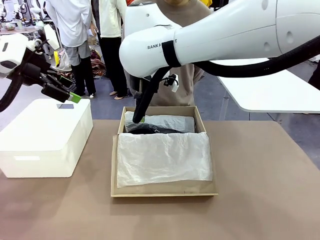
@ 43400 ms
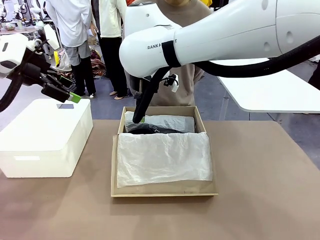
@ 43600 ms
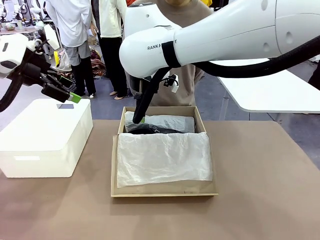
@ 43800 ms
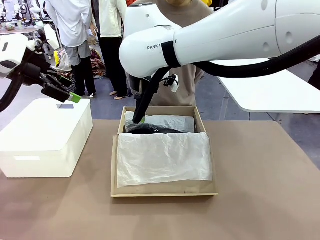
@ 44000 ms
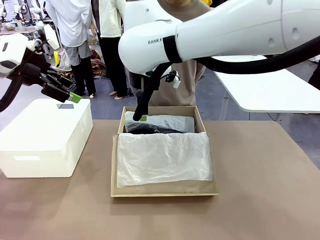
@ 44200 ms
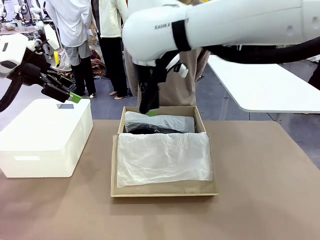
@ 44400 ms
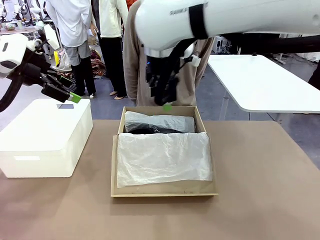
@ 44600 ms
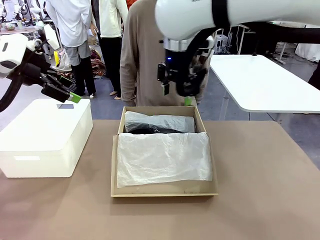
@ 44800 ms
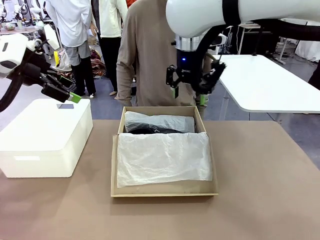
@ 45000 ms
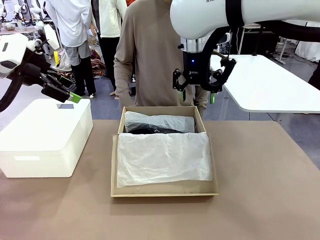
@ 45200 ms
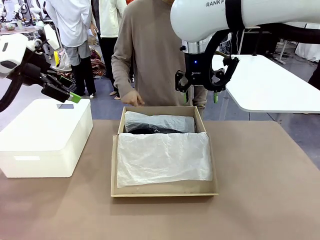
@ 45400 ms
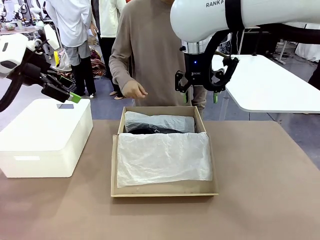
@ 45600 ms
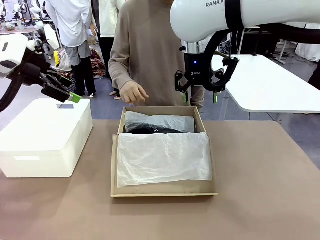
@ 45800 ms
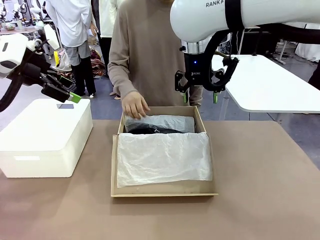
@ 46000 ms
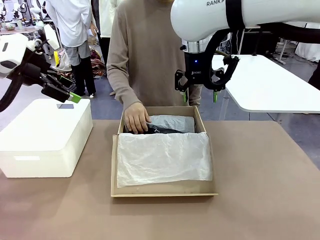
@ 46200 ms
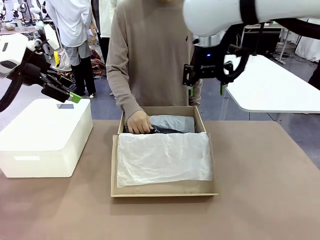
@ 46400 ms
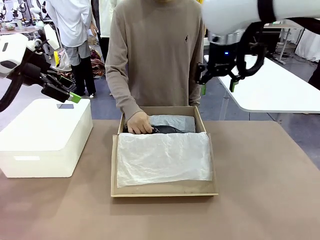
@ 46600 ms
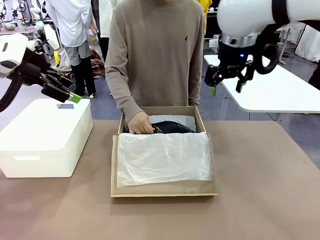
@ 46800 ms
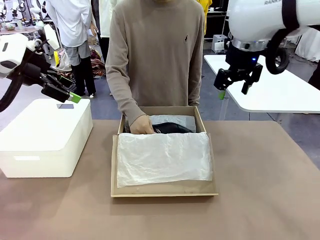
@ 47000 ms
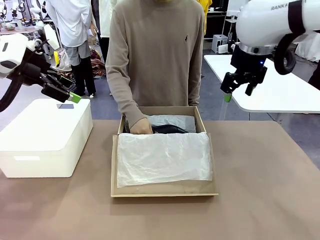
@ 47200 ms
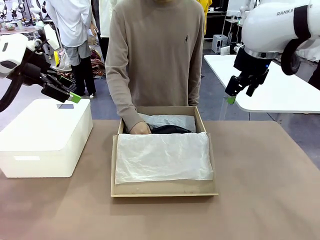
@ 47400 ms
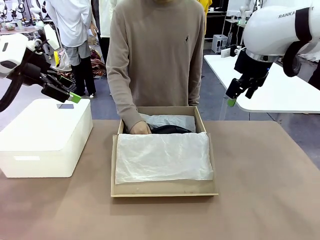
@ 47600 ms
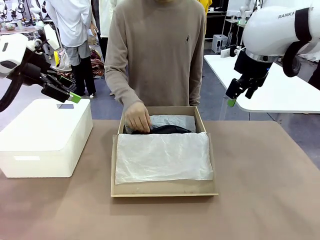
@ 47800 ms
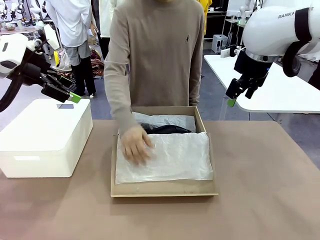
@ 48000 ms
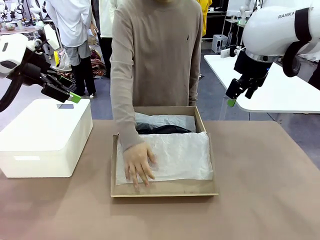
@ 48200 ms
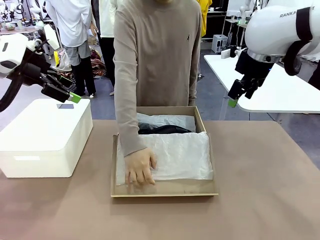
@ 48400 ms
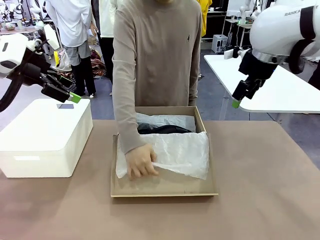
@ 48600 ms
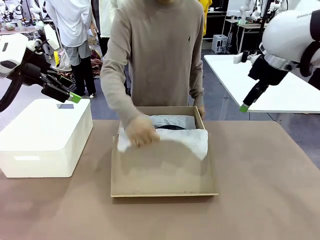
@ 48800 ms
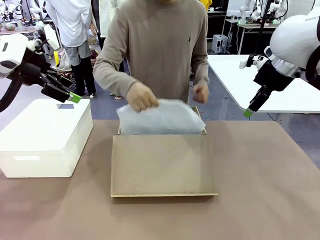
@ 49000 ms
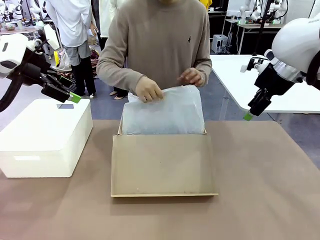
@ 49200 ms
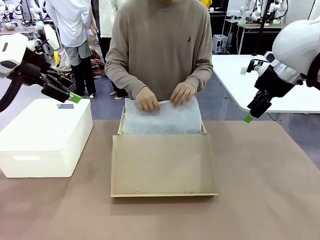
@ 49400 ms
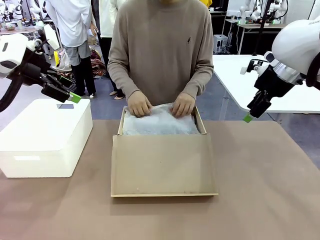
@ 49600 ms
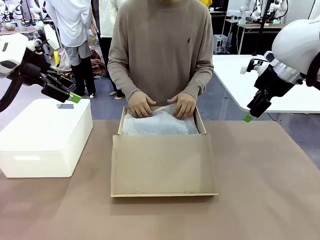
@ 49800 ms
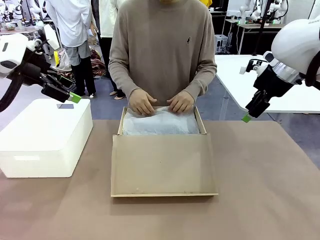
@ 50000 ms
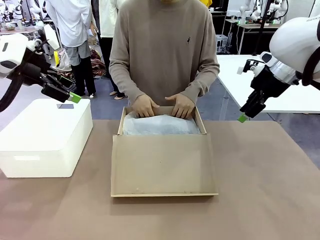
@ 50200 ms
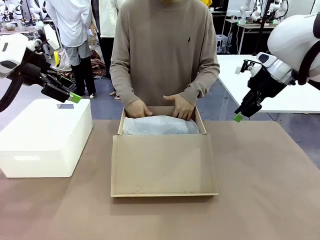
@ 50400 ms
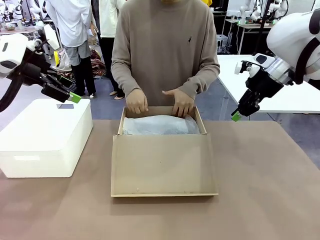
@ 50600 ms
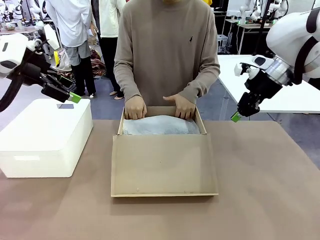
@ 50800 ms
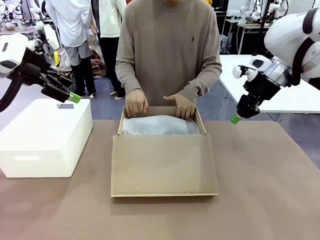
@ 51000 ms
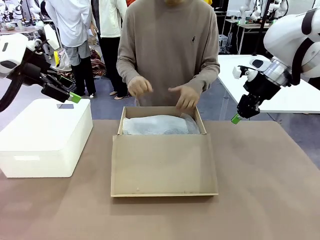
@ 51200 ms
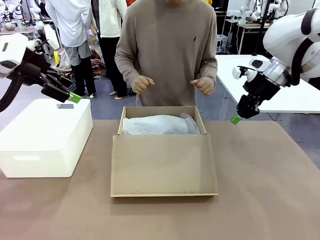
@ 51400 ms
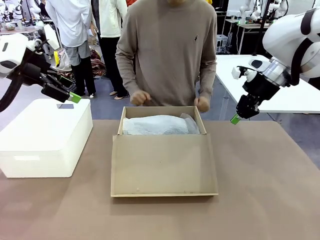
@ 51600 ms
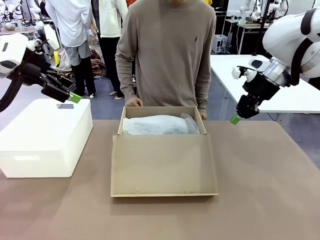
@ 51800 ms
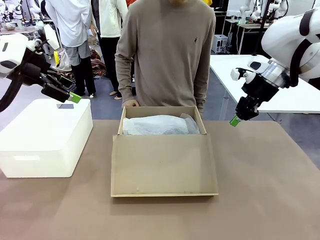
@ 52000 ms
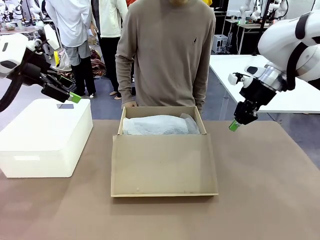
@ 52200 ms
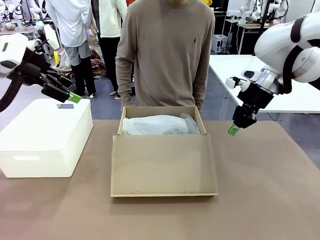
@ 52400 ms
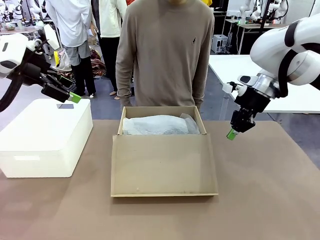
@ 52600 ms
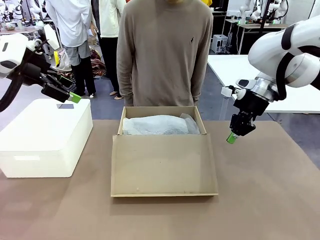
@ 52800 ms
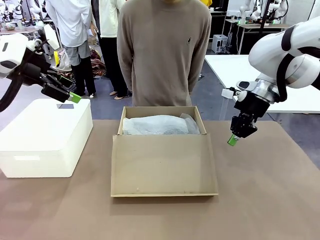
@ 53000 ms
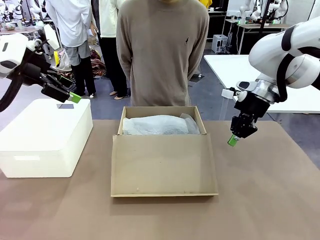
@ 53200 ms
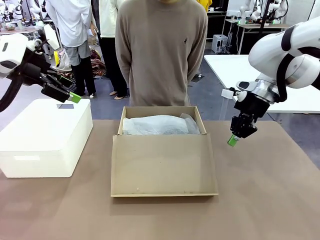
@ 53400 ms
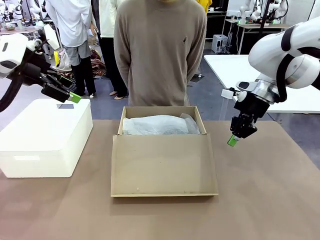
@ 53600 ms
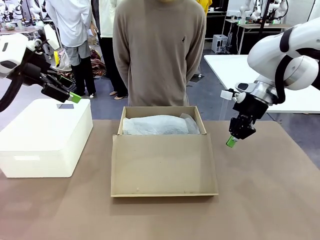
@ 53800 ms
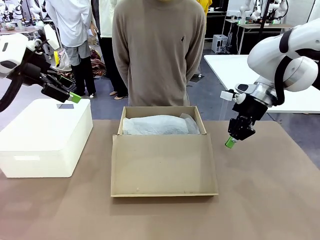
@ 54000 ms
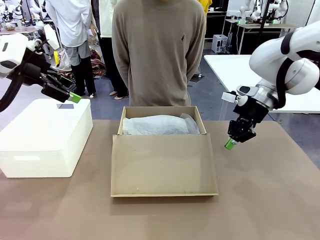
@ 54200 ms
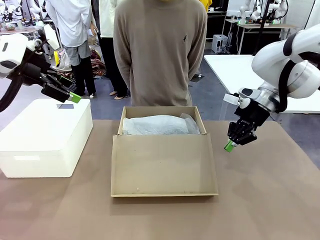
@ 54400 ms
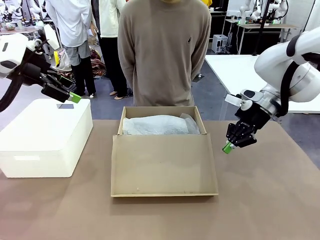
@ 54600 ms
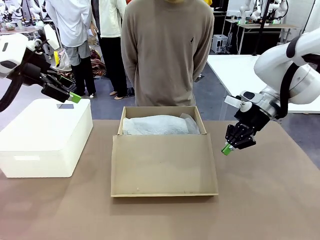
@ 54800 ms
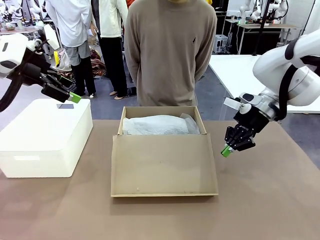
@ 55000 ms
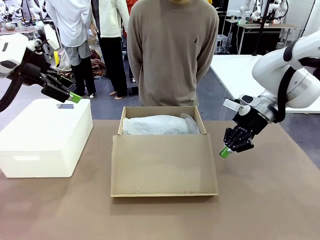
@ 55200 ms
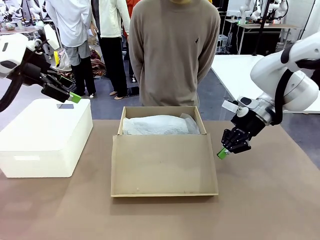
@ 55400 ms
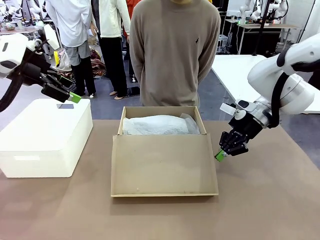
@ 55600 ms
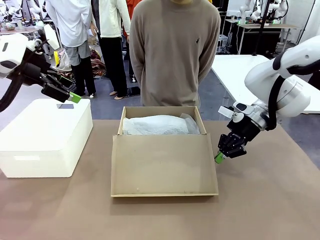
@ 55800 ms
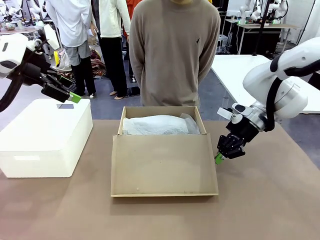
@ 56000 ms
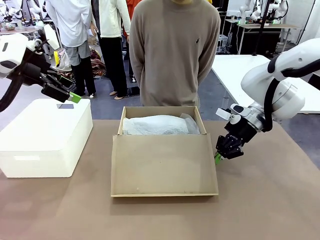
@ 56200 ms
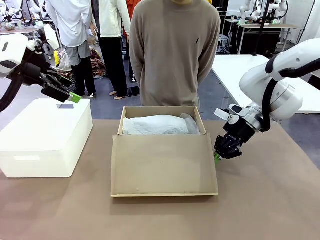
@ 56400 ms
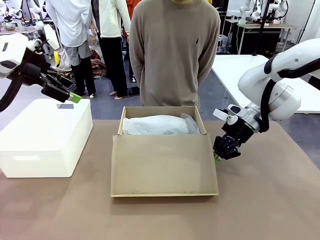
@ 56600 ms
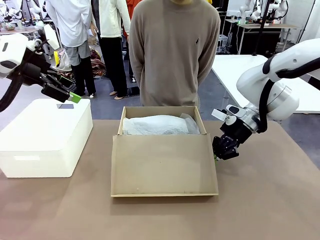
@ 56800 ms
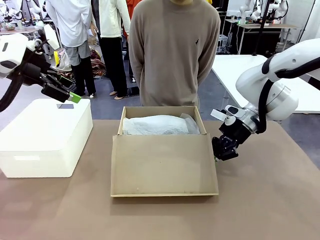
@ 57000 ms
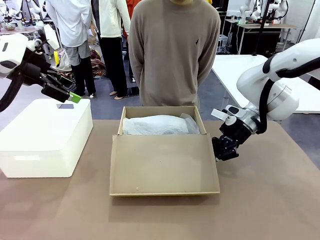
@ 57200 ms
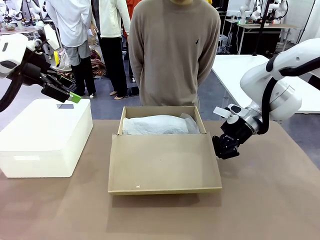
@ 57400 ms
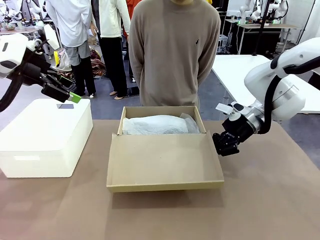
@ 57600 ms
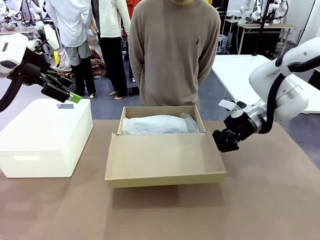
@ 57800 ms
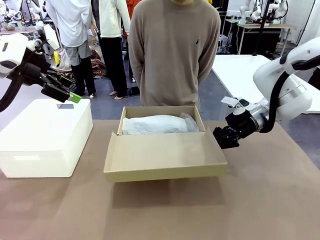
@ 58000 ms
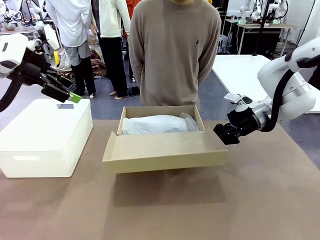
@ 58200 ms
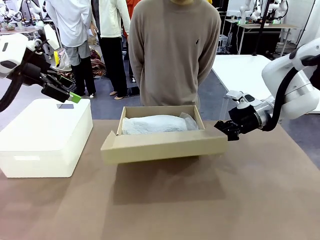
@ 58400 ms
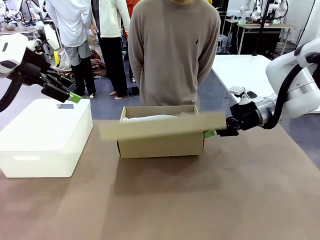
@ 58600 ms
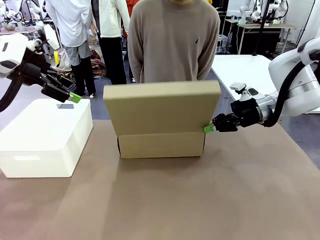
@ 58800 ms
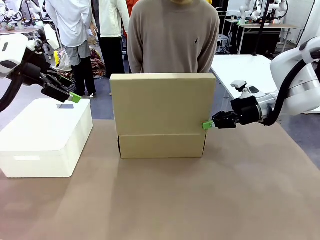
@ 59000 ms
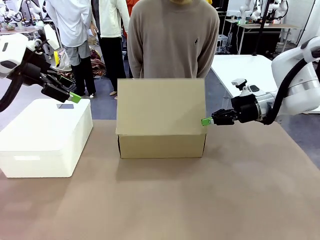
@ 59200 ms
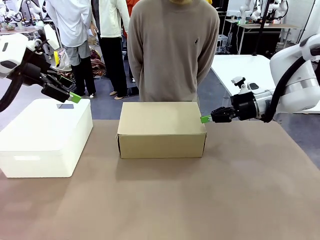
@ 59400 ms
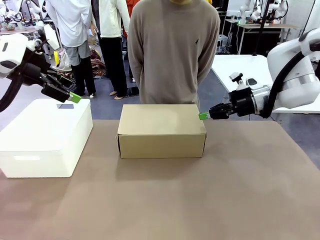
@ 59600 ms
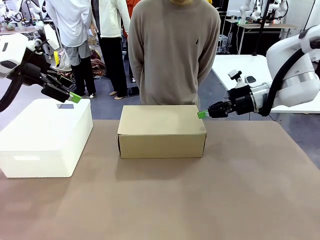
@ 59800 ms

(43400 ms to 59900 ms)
Task: Pack the shoes into the box.
Robot: Close the Shoes Box.
